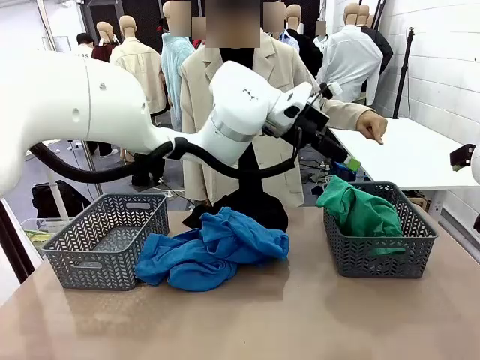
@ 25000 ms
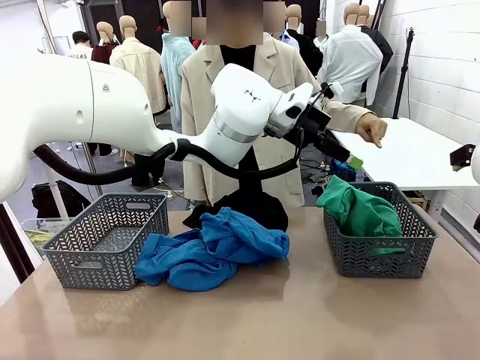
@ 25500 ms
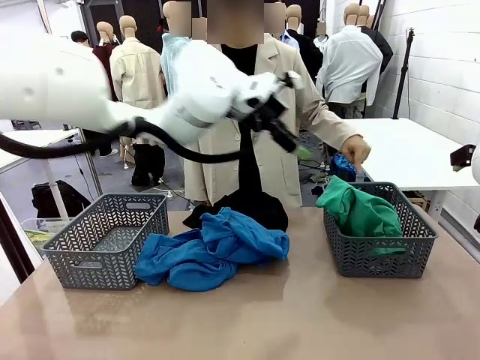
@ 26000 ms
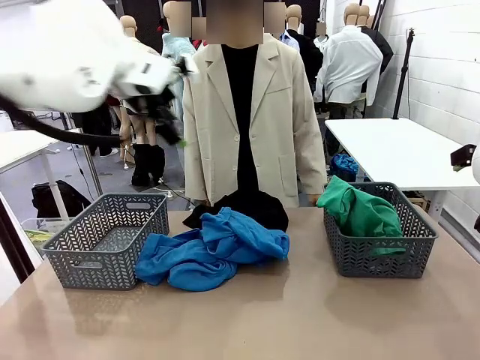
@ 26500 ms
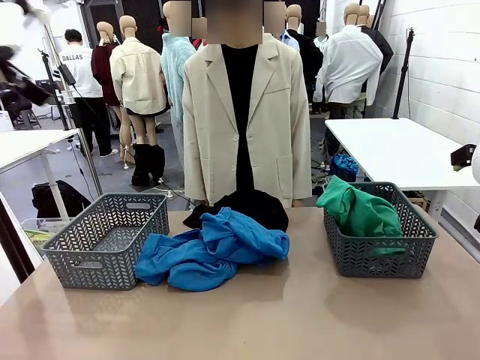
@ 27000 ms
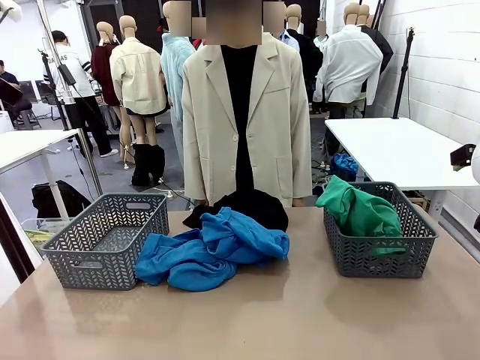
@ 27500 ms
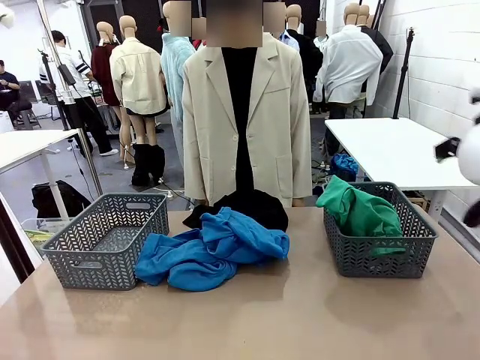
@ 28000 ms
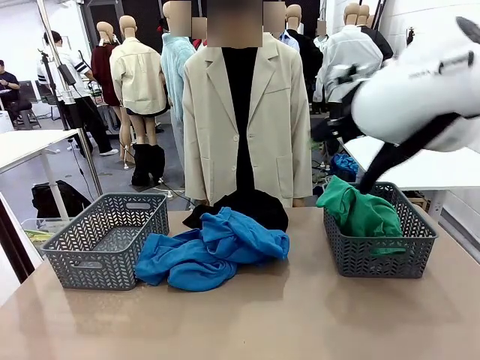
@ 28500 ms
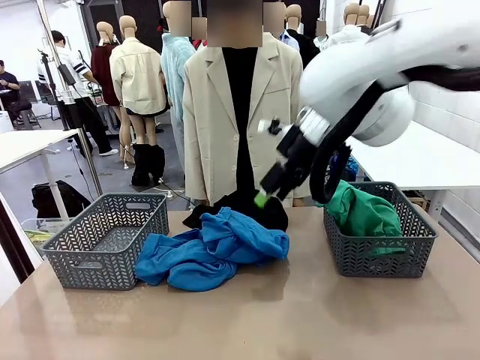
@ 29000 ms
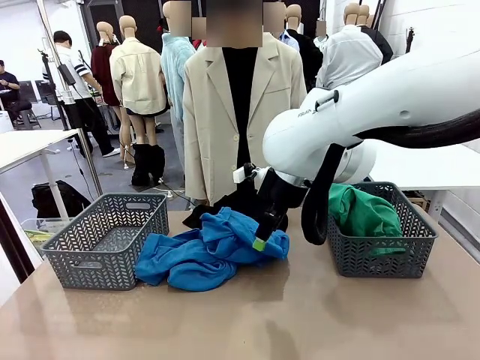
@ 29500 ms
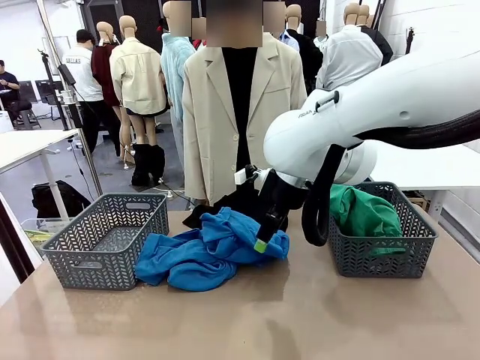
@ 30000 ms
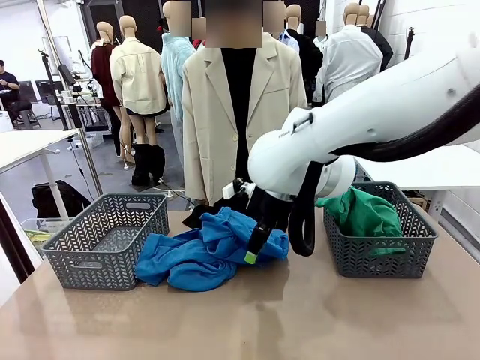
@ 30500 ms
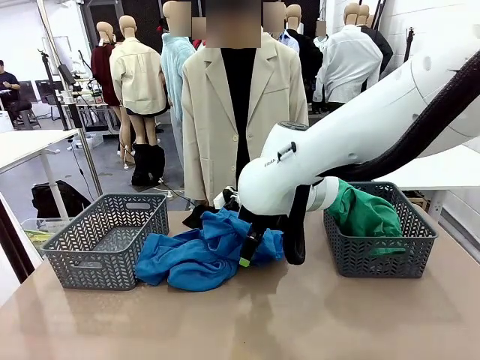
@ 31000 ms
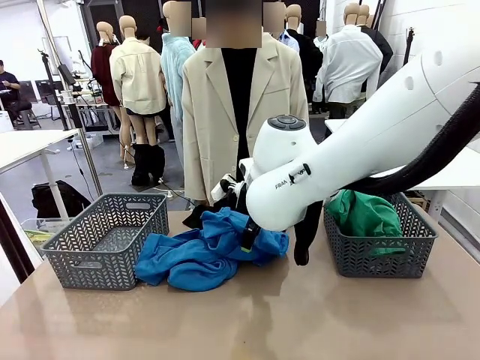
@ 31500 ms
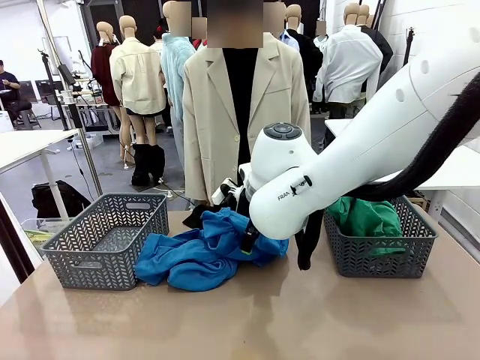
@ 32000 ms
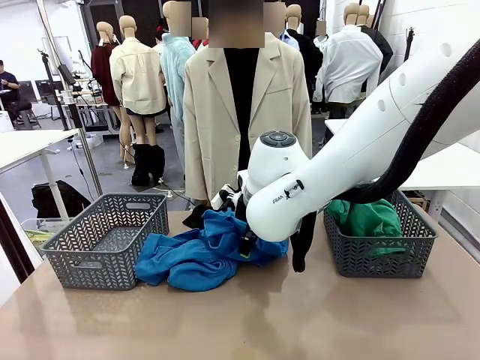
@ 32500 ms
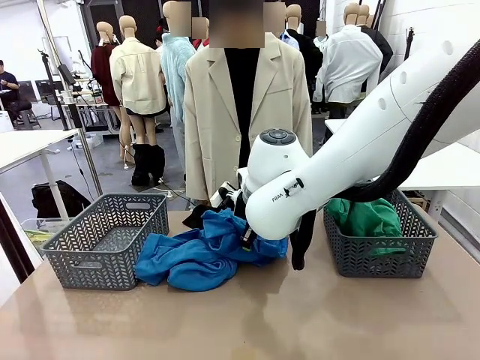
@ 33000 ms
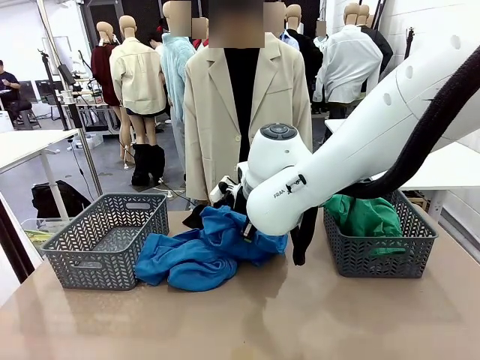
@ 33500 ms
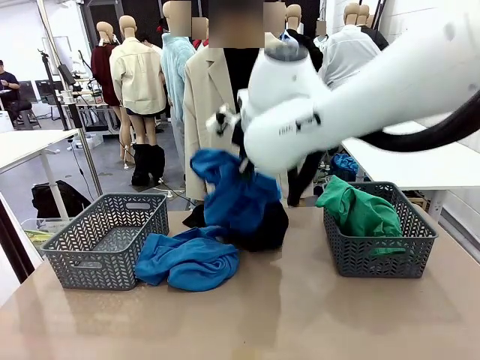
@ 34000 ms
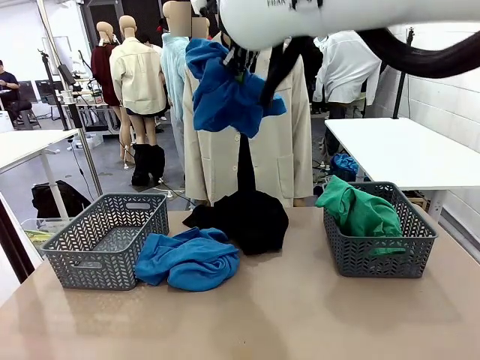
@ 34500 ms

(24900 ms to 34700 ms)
Task: Sort the tops and bottoms.
Robot: Lift clothes from the center of the table with your right hand.

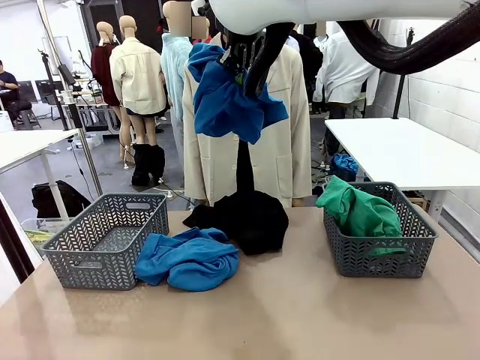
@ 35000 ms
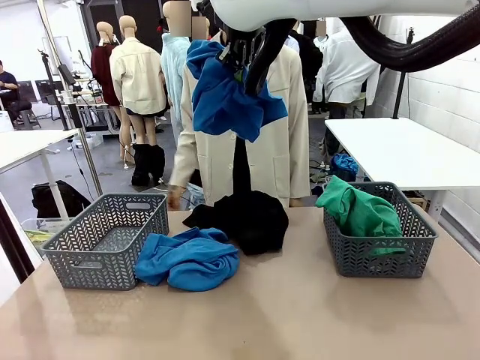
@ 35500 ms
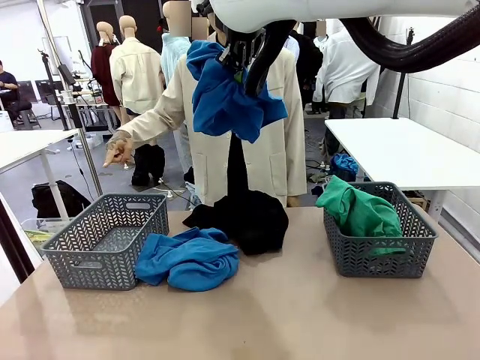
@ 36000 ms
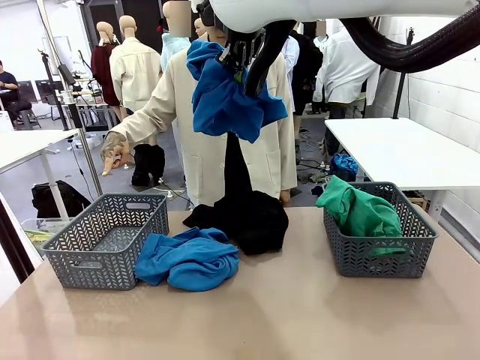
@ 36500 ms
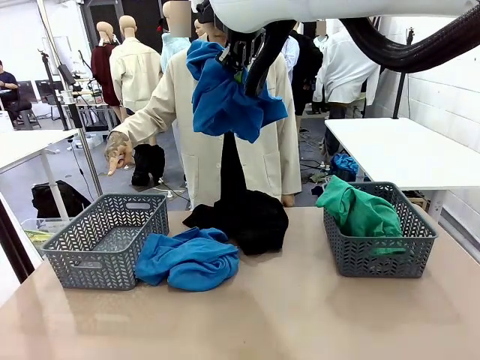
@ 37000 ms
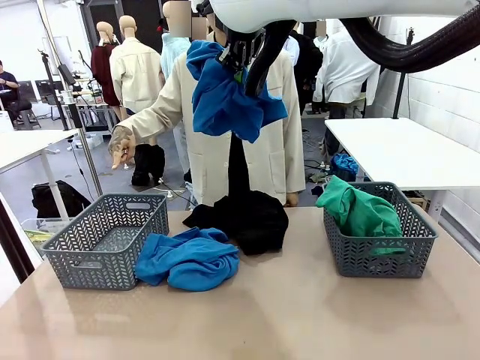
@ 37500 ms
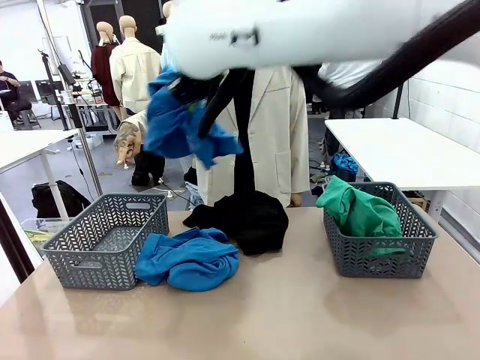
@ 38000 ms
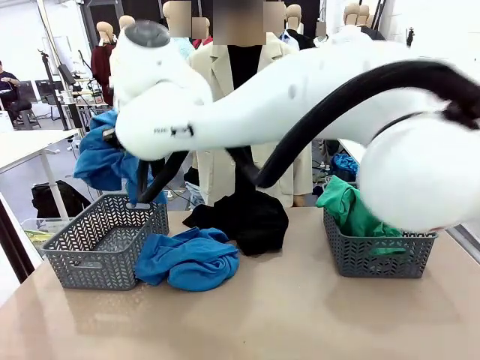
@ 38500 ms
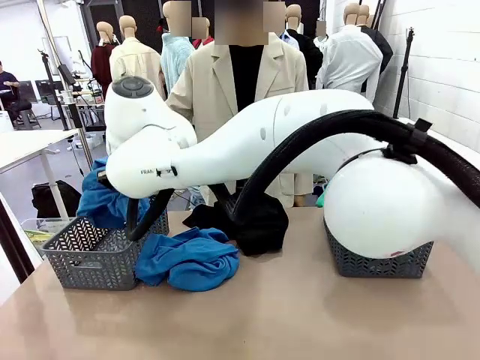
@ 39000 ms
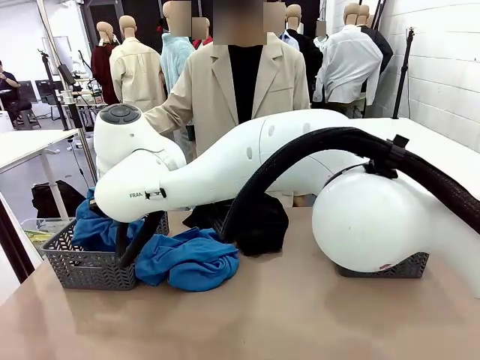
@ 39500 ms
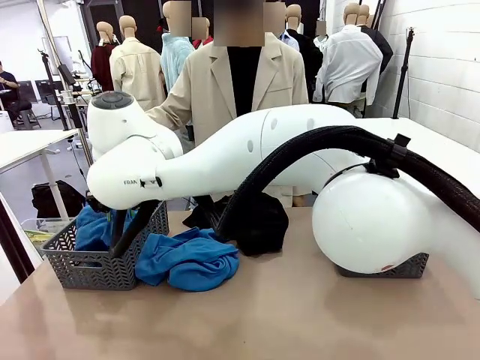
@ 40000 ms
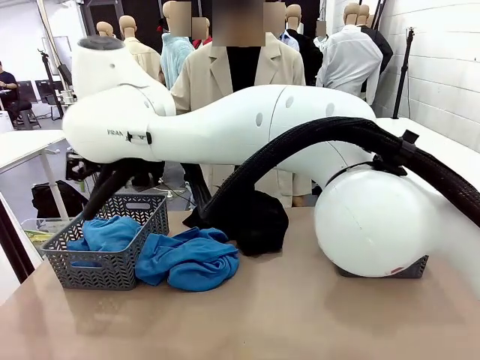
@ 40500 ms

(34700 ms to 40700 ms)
Robot: Sort the clothes according to human instructions.

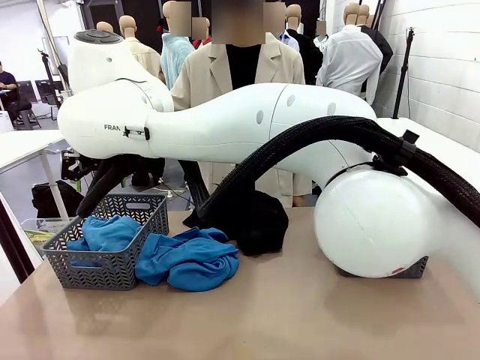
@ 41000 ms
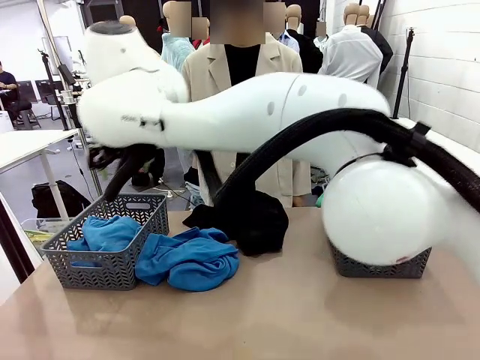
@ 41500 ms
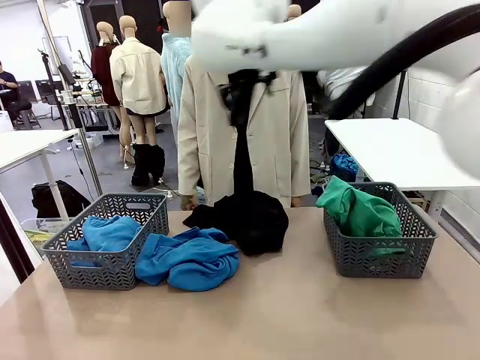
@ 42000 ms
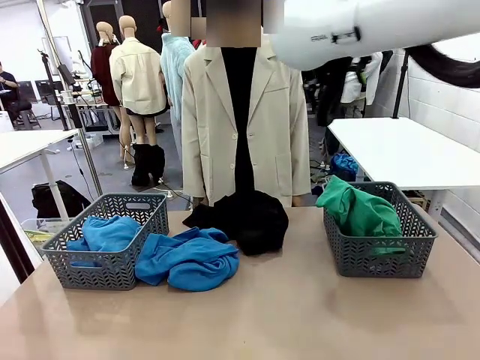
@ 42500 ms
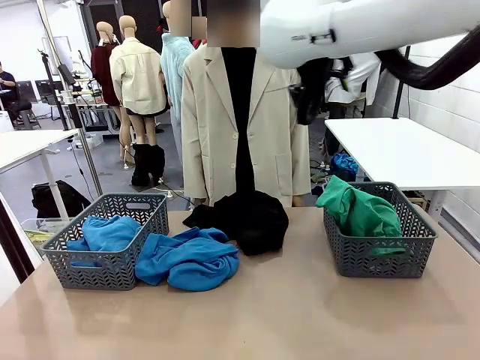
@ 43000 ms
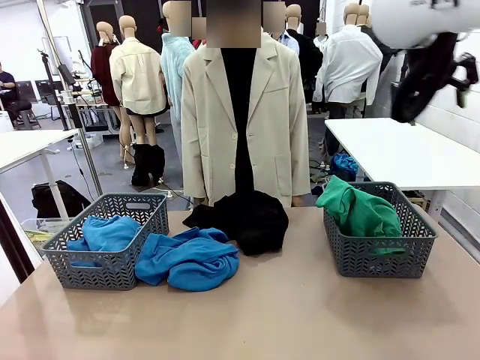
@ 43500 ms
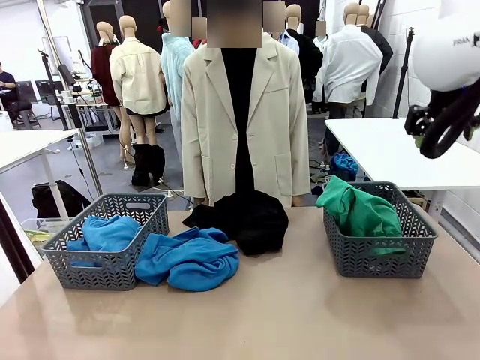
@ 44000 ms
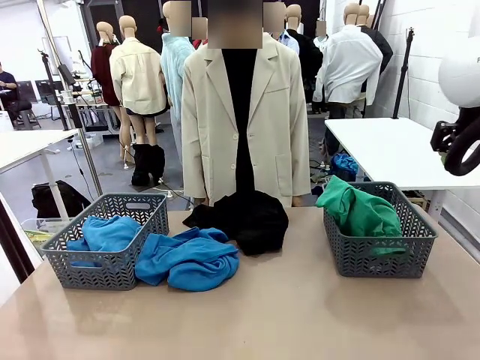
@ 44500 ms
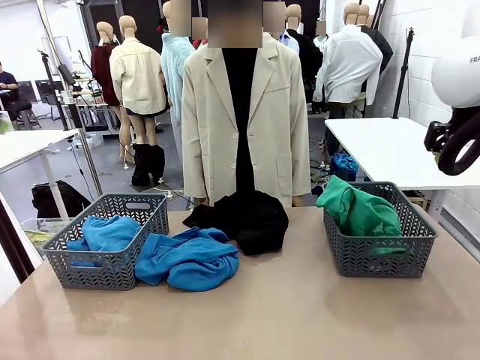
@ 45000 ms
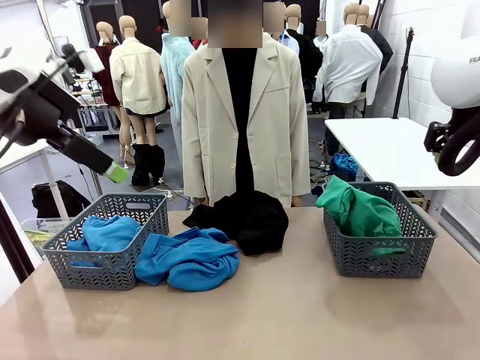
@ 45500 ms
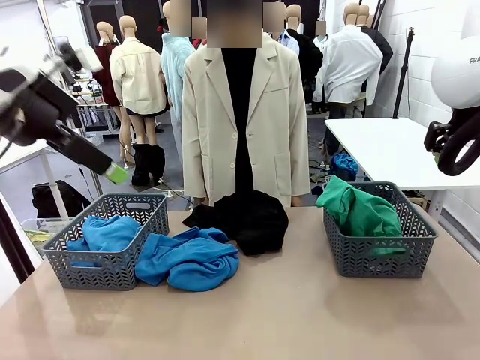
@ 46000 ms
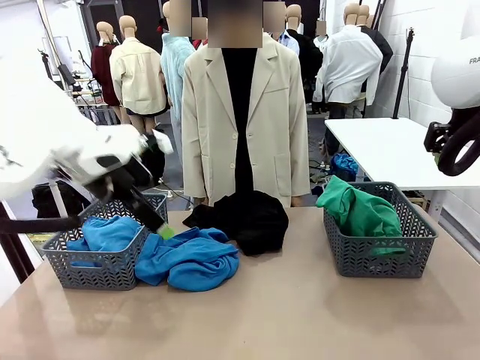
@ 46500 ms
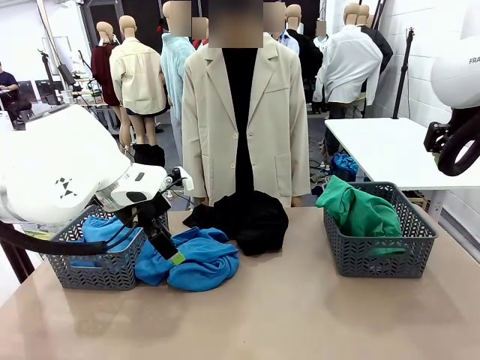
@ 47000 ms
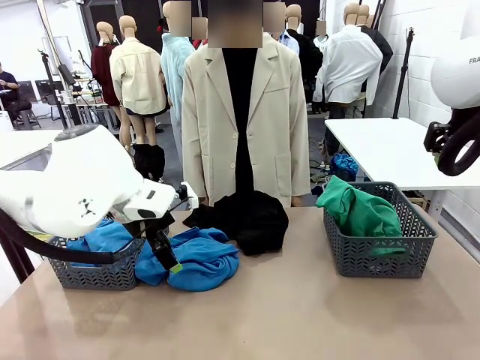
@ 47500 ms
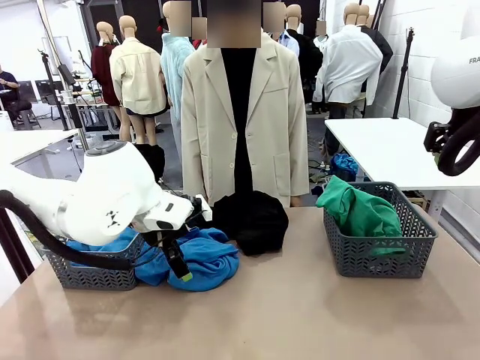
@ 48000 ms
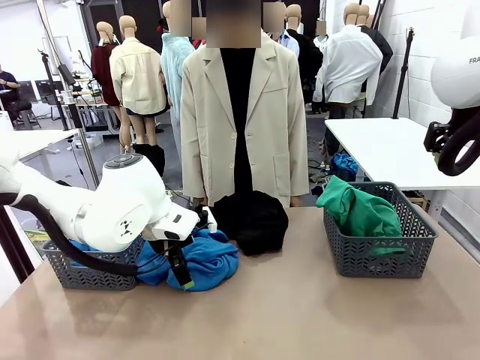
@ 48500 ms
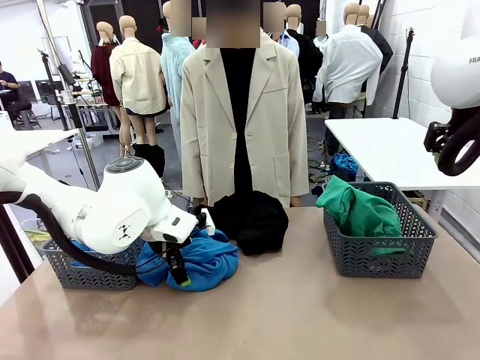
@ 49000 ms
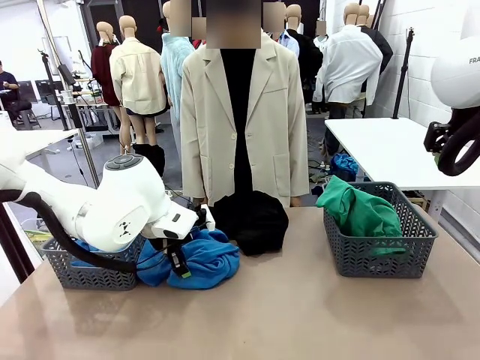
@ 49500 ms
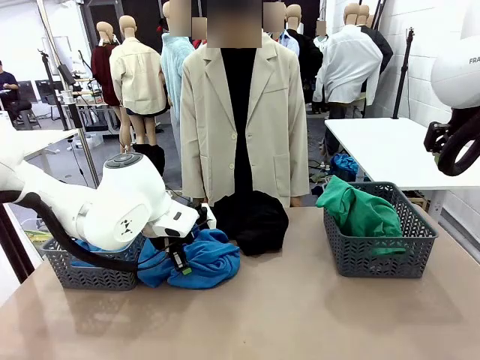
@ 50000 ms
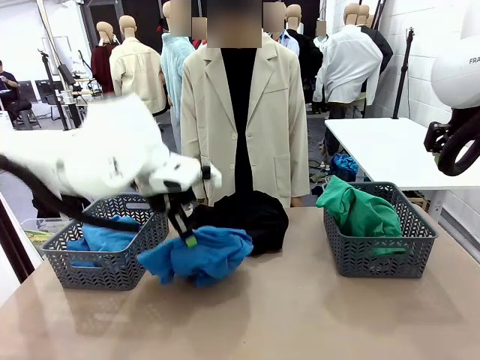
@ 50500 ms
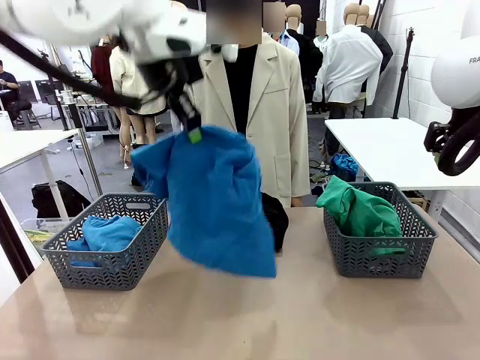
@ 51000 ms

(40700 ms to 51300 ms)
Robot: Lift clothes from the center of the table with your left hand.
